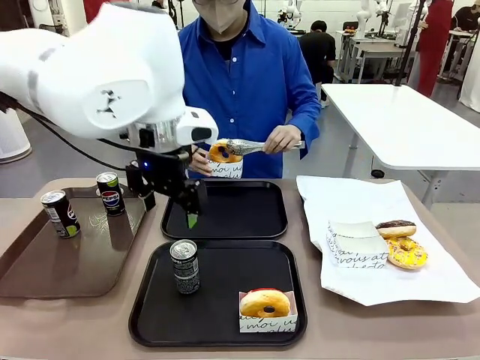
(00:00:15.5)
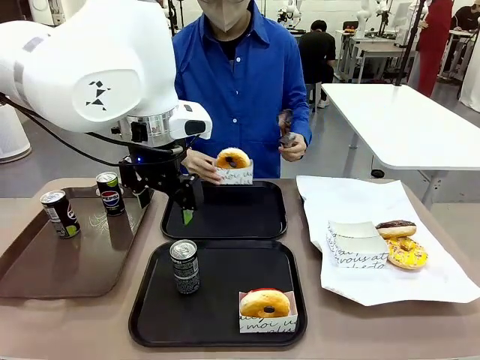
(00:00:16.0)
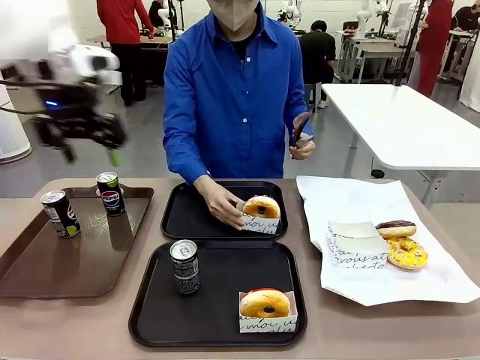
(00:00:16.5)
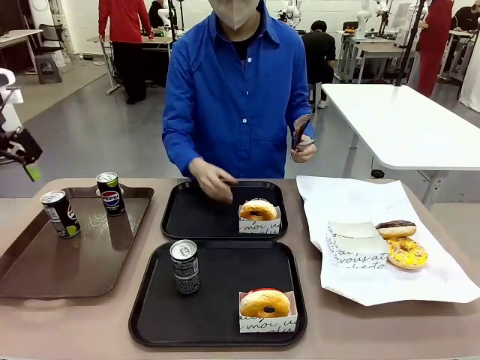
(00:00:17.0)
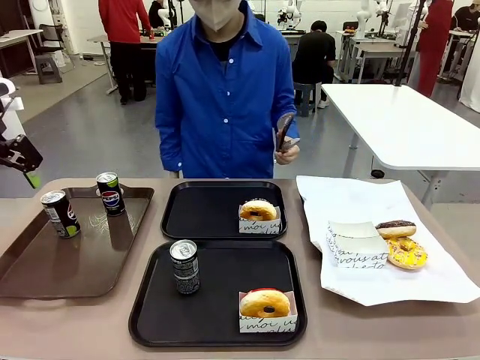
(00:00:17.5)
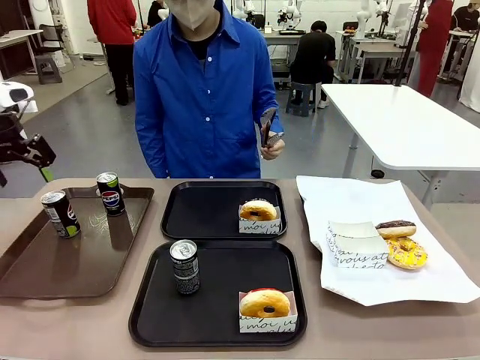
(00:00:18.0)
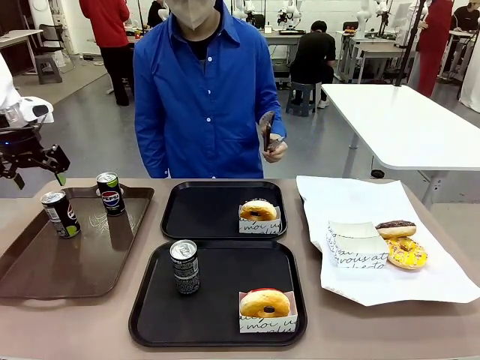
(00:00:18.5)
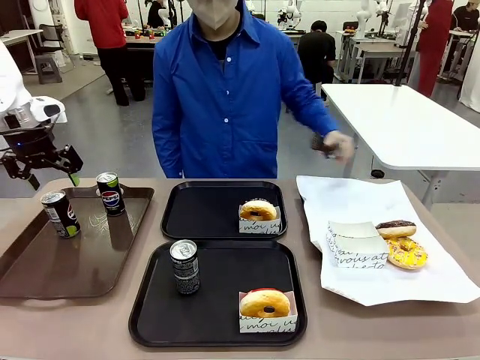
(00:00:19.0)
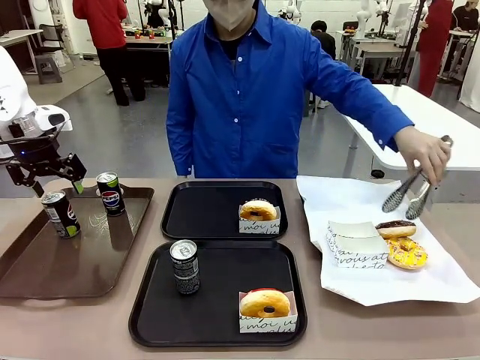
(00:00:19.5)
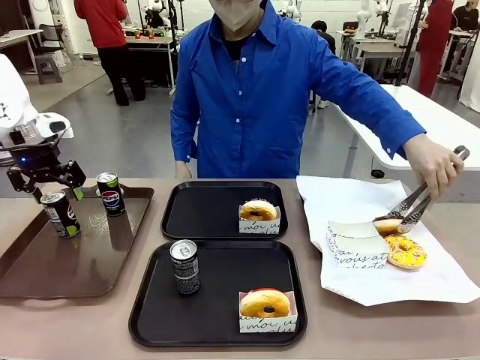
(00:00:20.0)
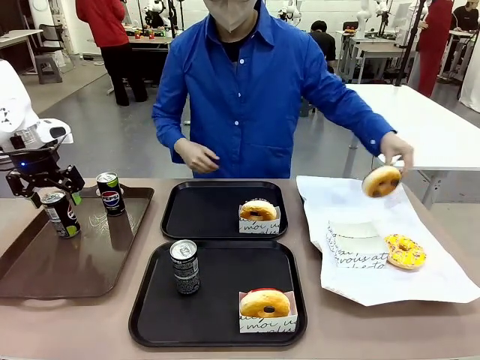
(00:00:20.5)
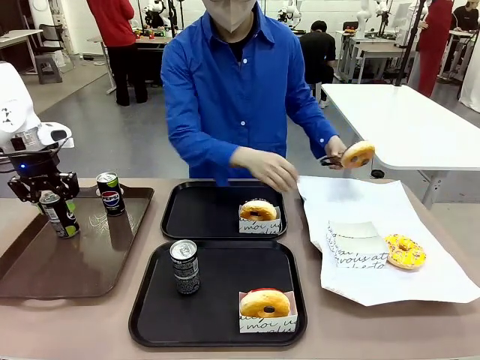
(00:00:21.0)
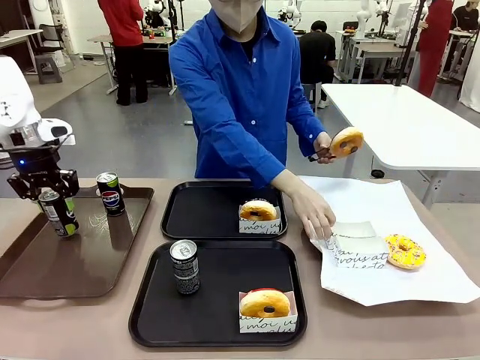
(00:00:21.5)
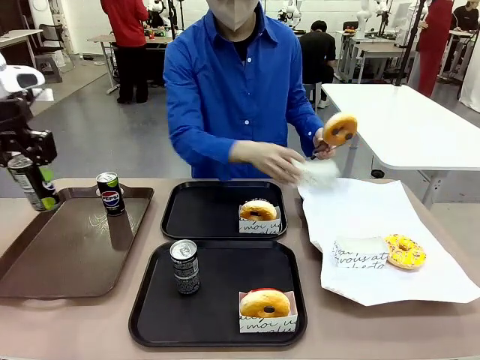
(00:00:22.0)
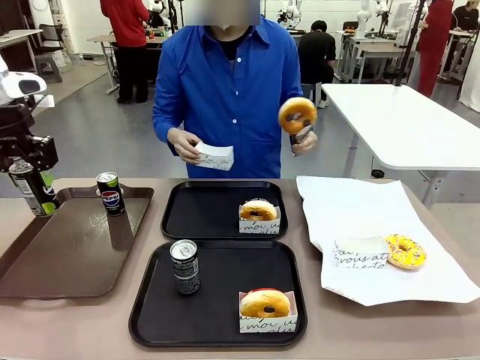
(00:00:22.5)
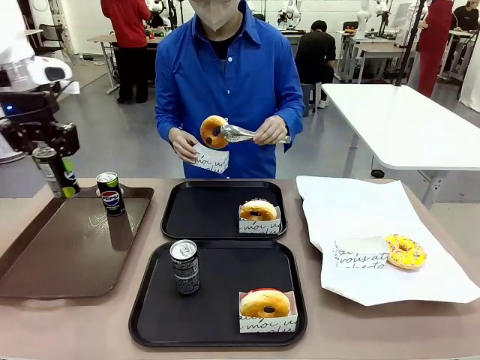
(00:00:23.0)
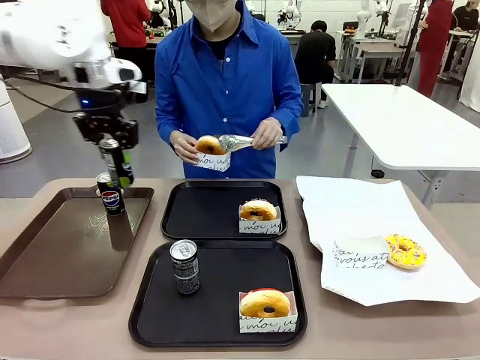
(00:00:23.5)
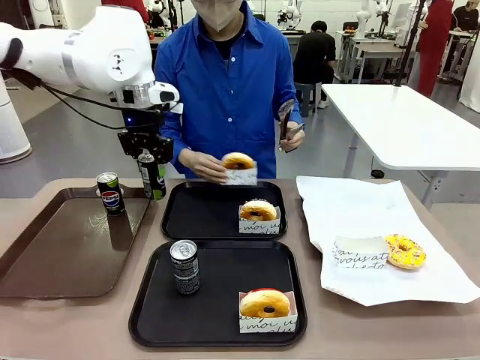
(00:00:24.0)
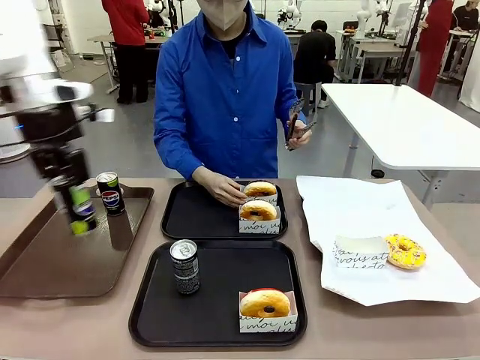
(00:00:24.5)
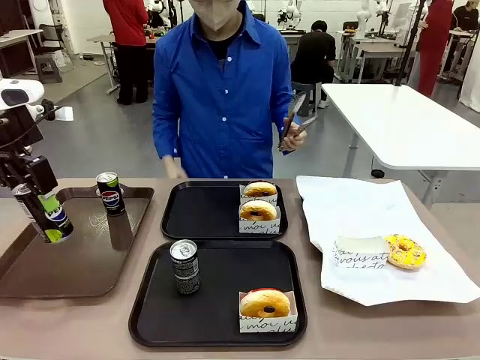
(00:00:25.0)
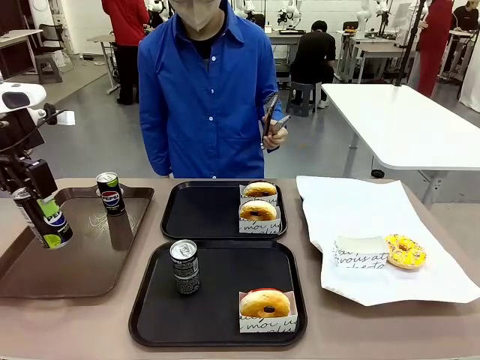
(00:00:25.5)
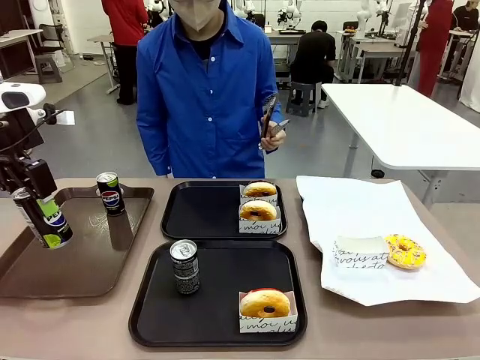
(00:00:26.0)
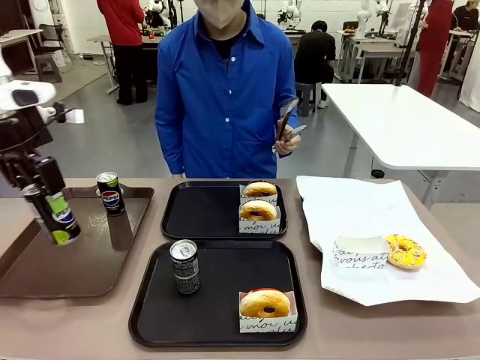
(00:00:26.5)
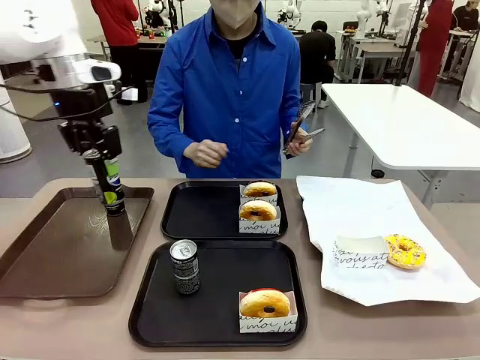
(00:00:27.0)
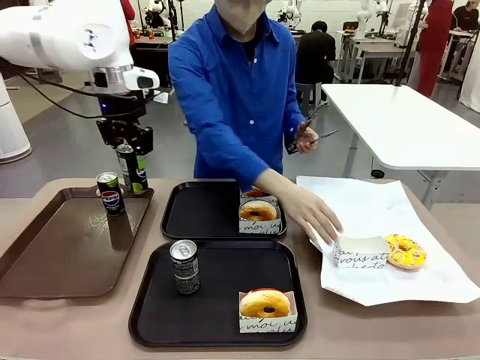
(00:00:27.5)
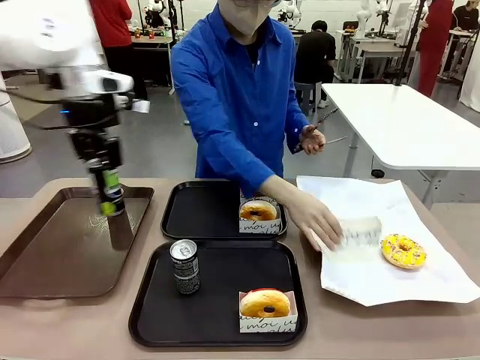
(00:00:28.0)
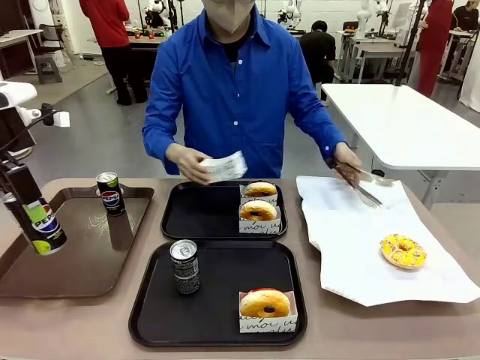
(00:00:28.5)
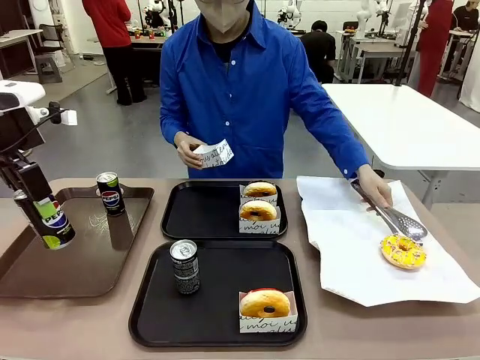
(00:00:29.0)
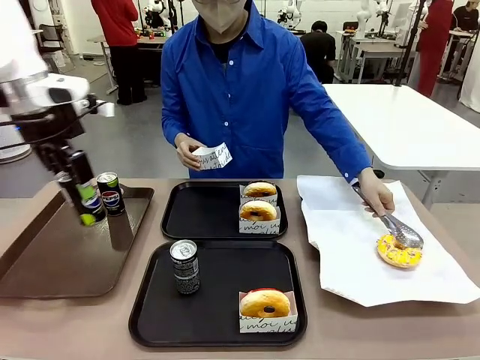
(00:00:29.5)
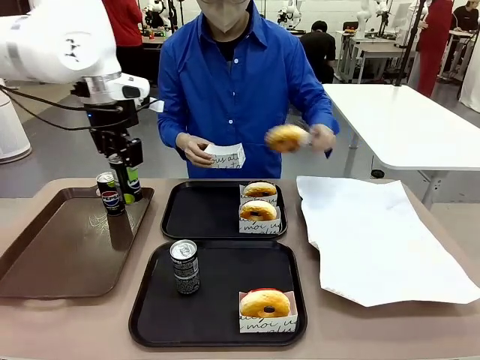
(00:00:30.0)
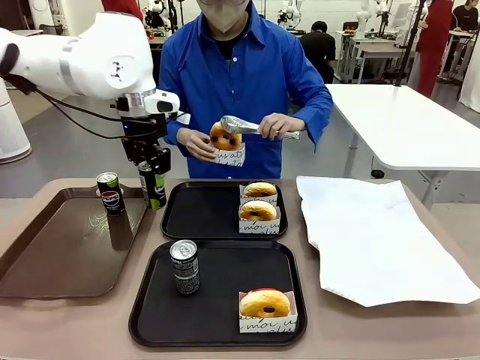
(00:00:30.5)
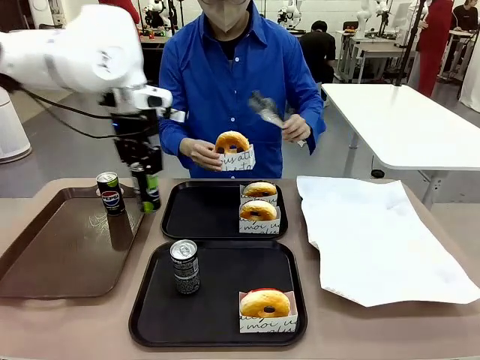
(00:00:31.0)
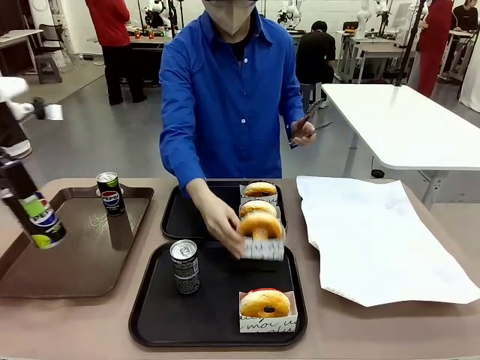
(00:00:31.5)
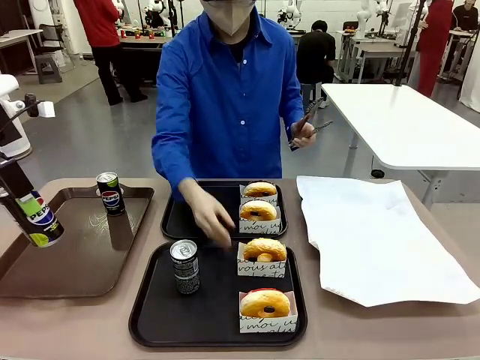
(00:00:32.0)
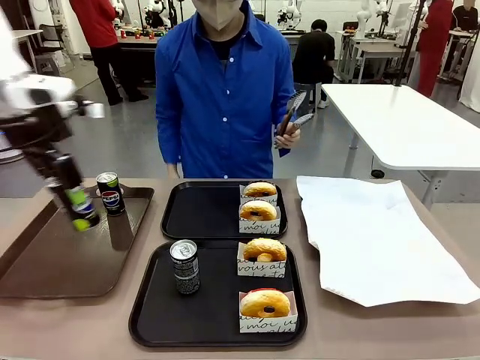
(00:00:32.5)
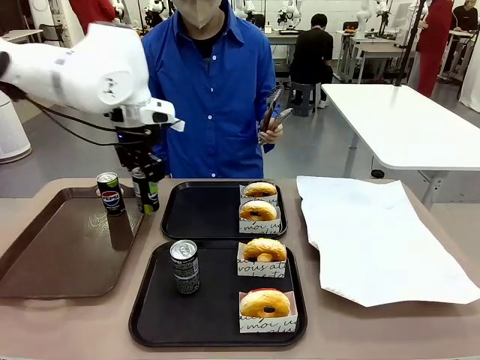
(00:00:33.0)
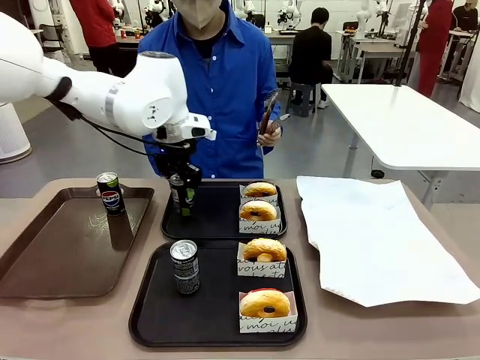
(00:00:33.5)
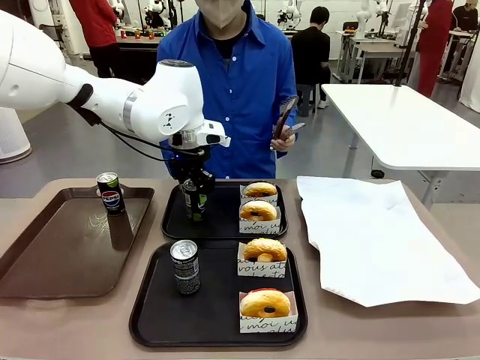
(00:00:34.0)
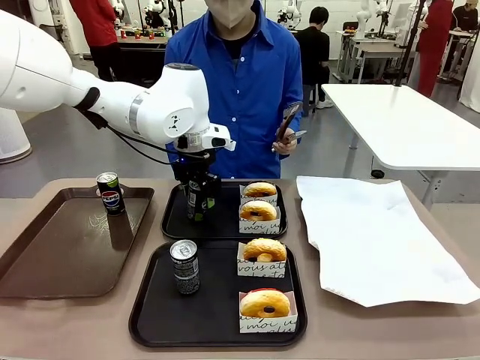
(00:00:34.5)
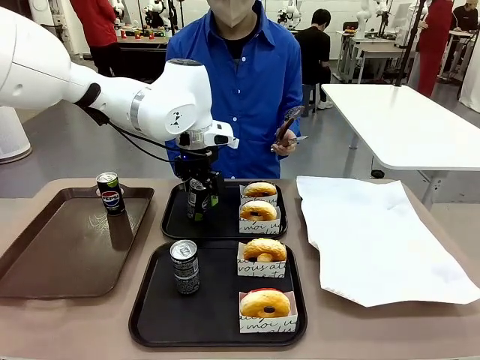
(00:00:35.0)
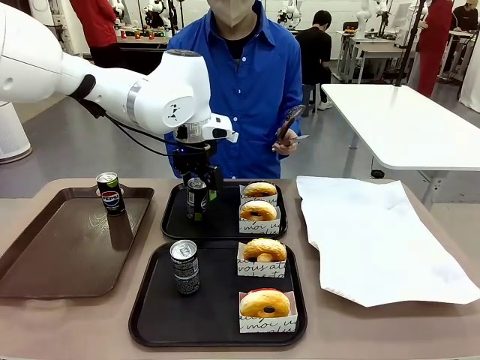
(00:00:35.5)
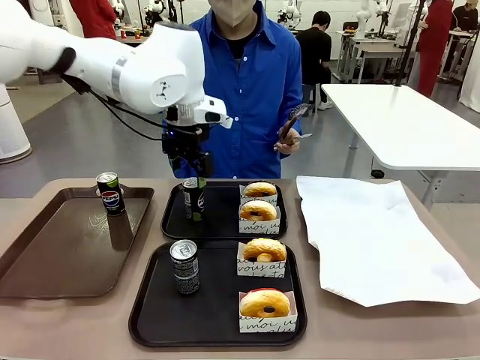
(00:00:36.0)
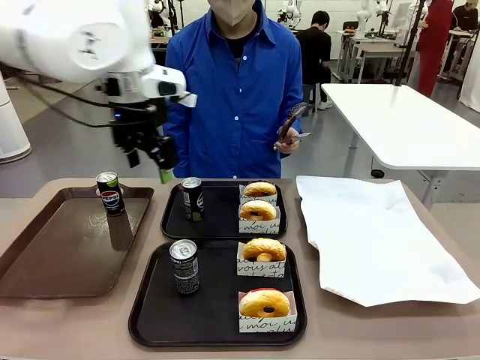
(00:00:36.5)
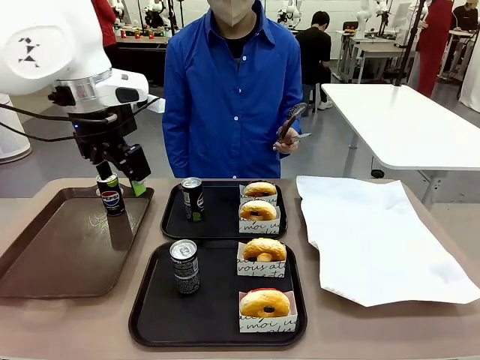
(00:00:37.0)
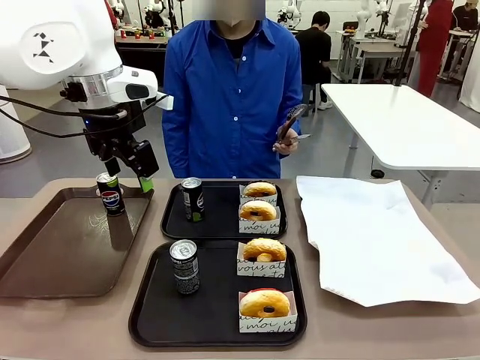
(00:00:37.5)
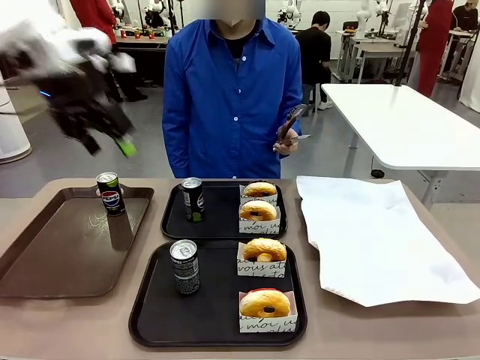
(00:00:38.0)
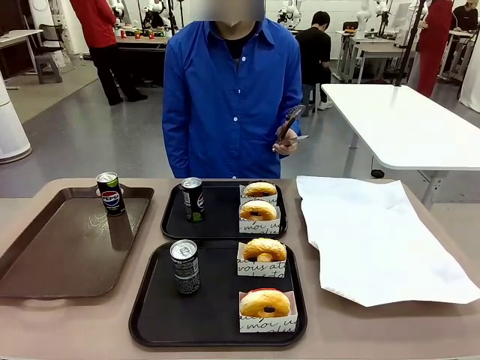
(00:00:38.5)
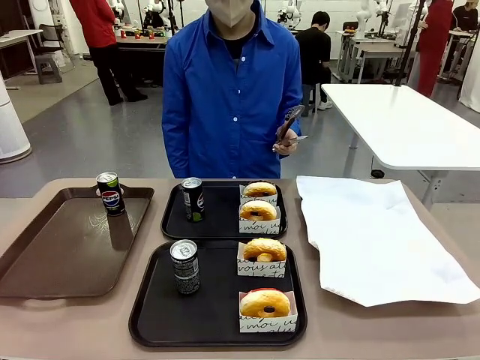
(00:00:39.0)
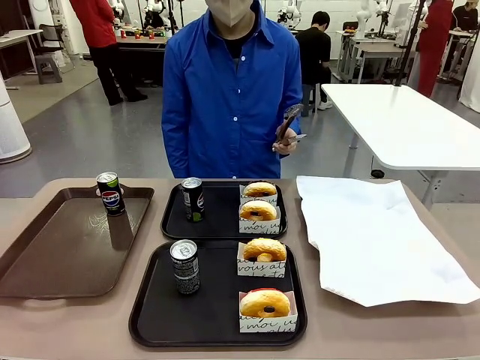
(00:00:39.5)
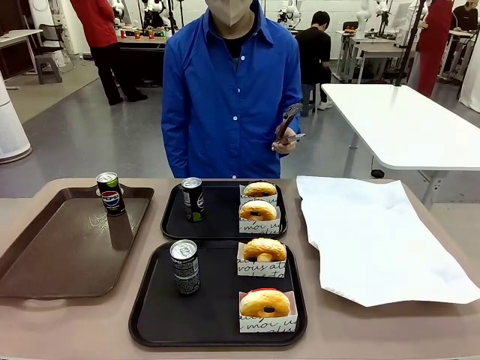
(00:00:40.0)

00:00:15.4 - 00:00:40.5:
Task: Set up donuts and drinks on trays.
Robot: Pick up one Pepsi coke from the Handle tray and place it on the Flat Tray without a Pepsi coke.
Person: Pick up one donut with tongs, place it in the donut tray, and then place the donut tray on the flat tray.

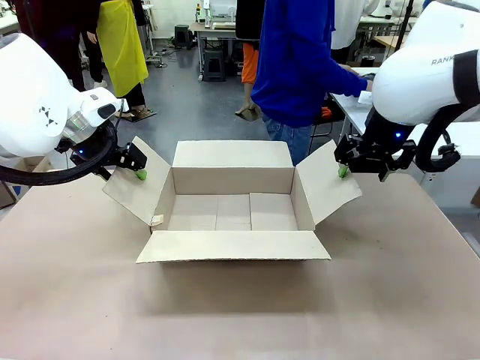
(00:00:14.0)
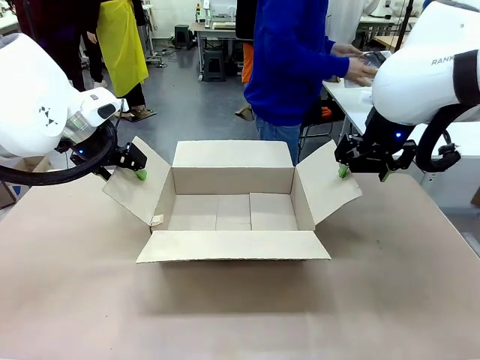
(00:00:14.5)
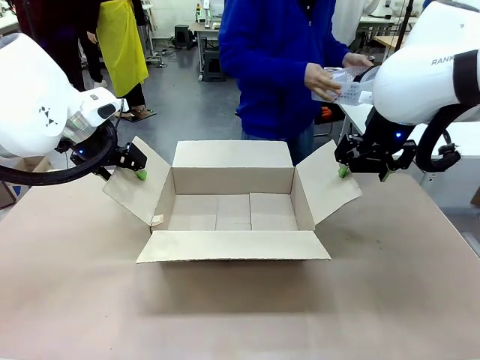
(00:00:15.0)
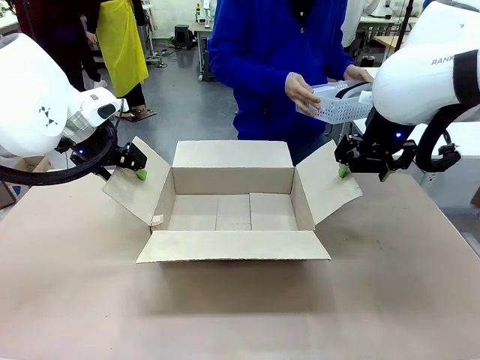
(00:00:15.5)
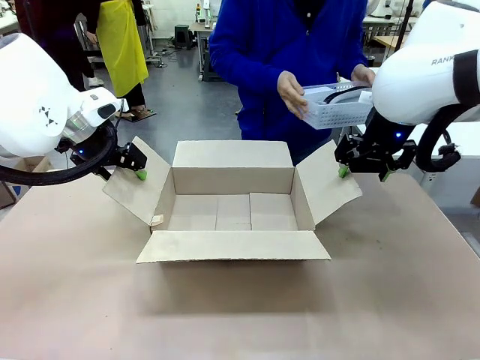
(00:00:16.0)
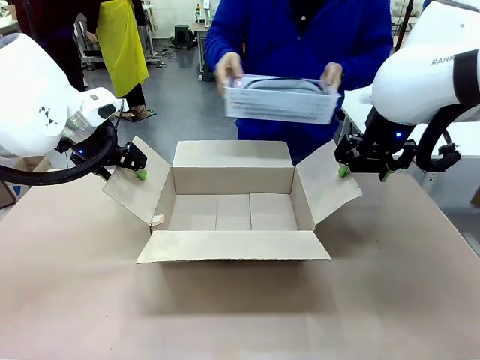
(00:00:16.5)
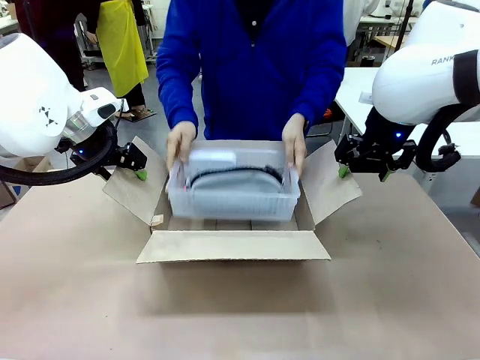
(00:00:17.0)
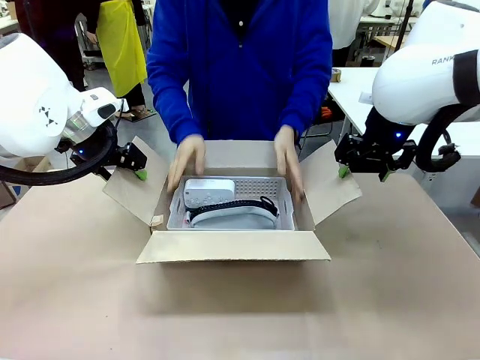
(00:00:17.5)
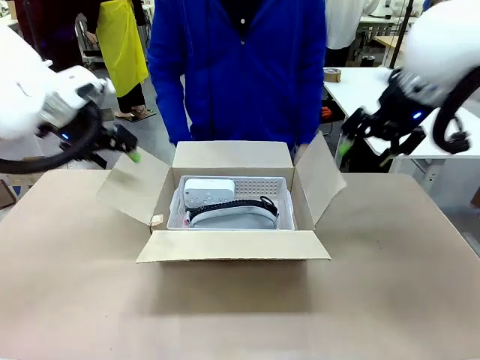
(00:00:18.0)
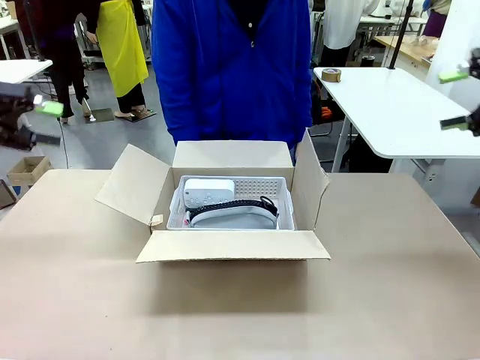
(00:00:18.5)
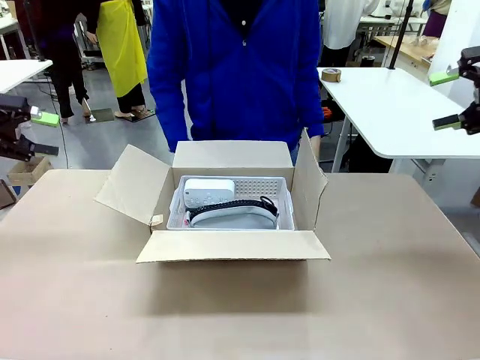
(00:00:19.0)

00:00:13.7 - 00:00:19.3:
Task: Pack the gift set into the box.
Robot: Lift both hands away from the flaps of the Package Box.
Person: The human picks up the organizing basket and places the organizing basket into the package box on the robot table.
